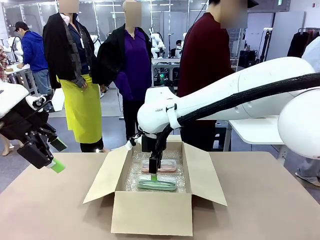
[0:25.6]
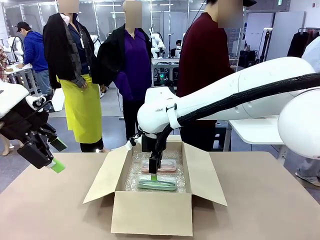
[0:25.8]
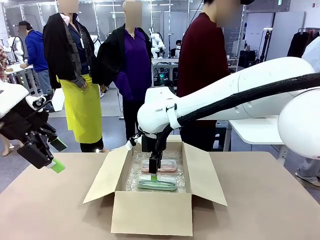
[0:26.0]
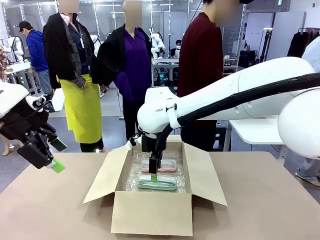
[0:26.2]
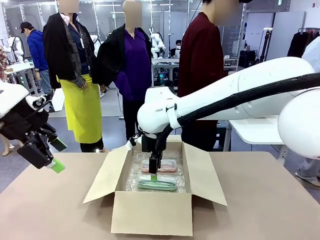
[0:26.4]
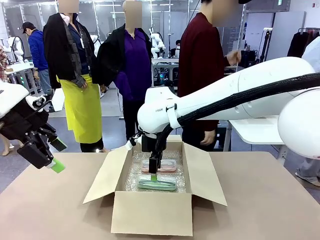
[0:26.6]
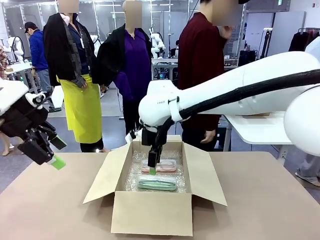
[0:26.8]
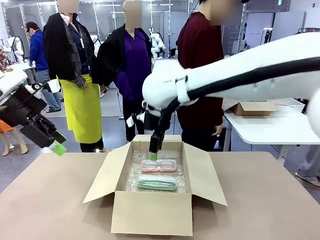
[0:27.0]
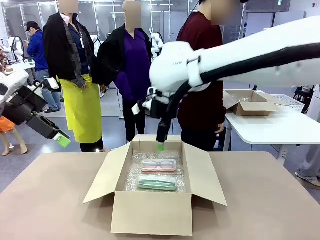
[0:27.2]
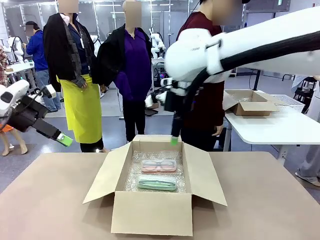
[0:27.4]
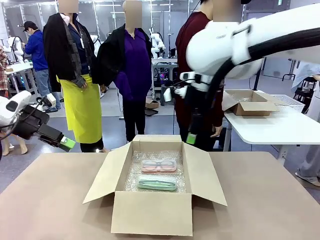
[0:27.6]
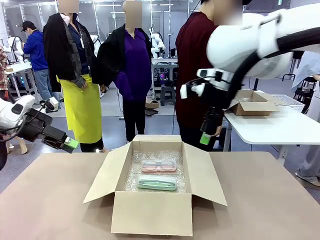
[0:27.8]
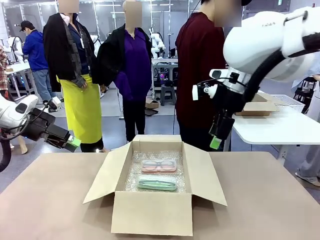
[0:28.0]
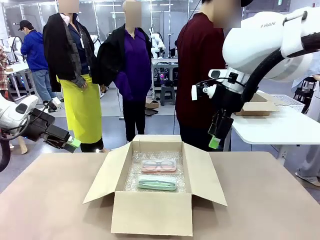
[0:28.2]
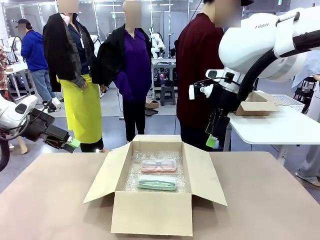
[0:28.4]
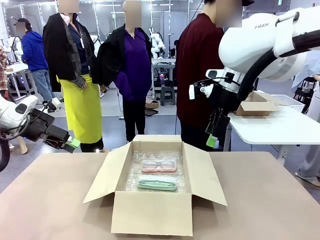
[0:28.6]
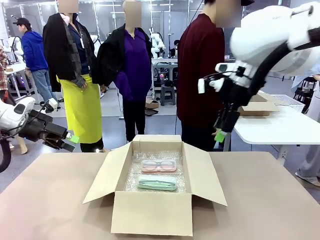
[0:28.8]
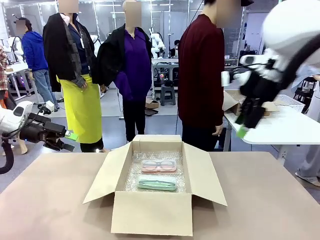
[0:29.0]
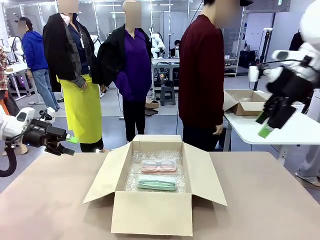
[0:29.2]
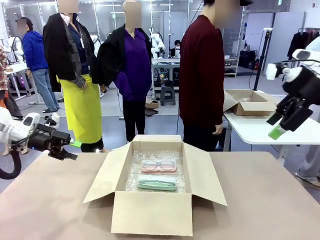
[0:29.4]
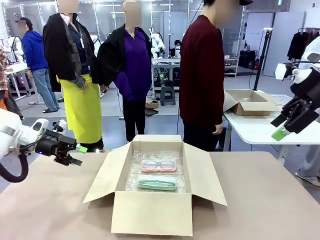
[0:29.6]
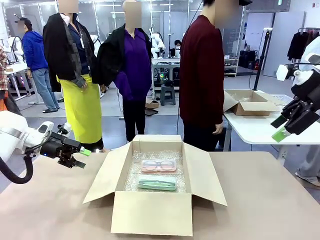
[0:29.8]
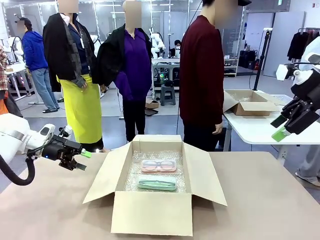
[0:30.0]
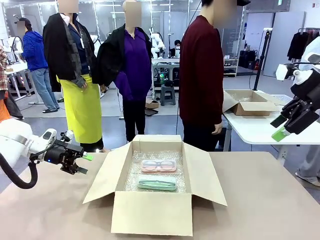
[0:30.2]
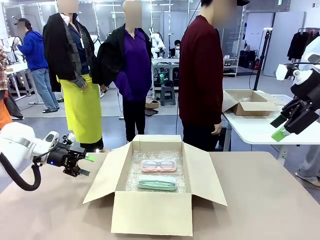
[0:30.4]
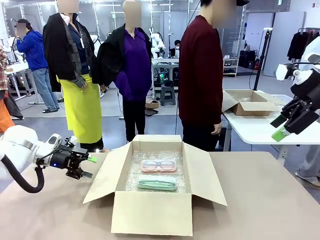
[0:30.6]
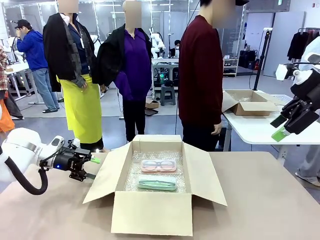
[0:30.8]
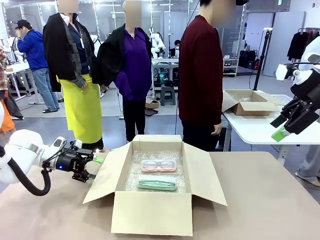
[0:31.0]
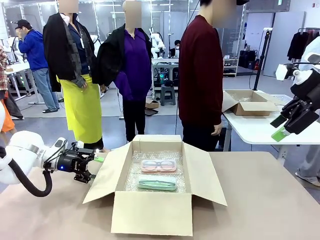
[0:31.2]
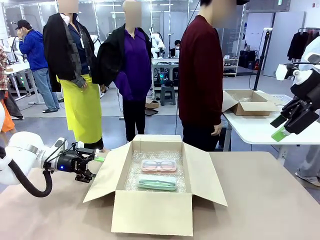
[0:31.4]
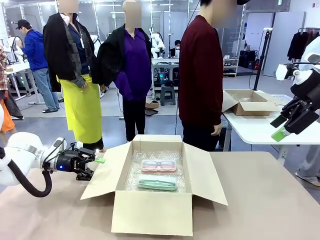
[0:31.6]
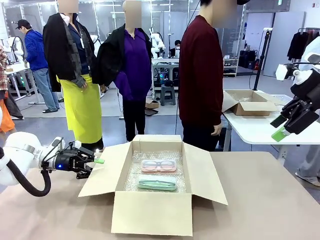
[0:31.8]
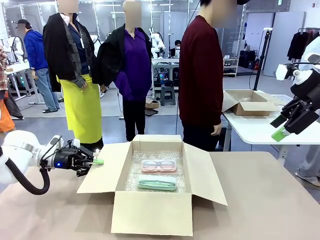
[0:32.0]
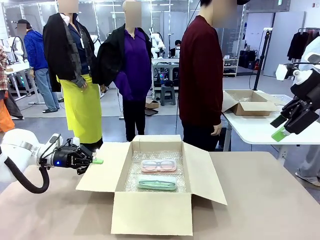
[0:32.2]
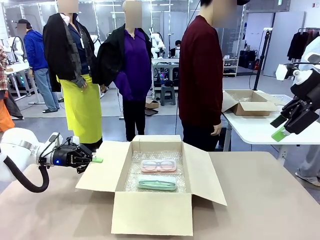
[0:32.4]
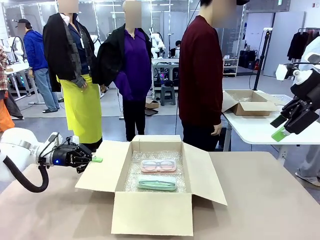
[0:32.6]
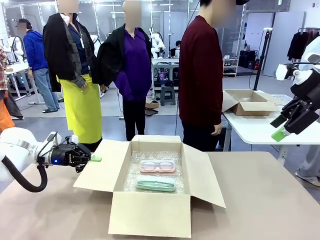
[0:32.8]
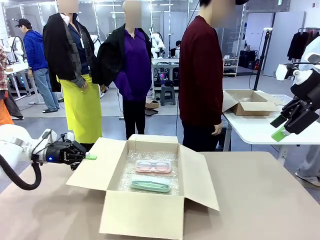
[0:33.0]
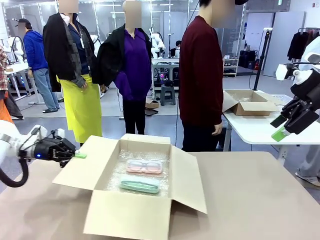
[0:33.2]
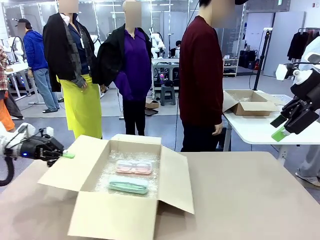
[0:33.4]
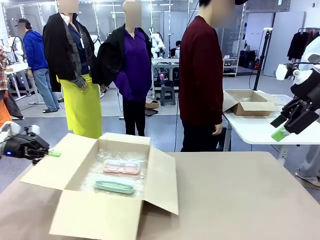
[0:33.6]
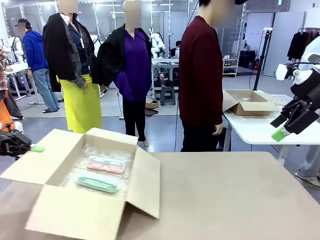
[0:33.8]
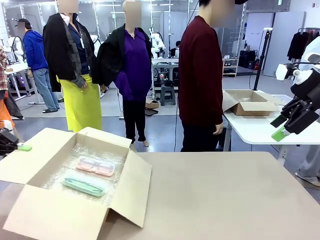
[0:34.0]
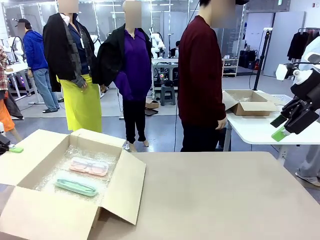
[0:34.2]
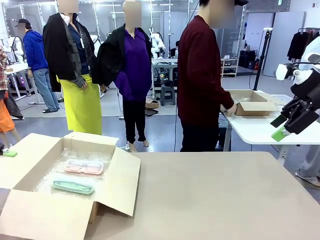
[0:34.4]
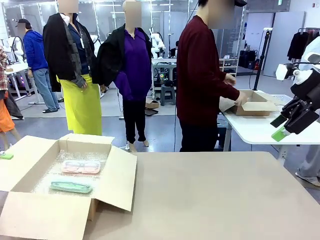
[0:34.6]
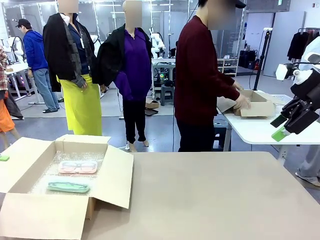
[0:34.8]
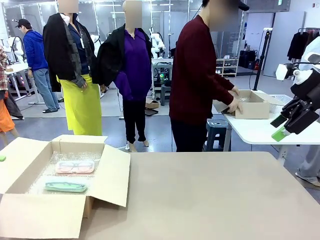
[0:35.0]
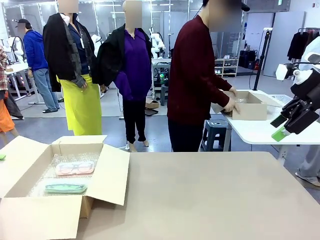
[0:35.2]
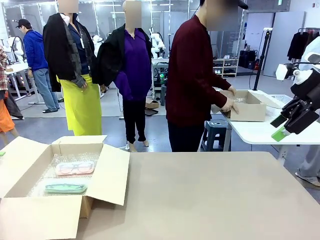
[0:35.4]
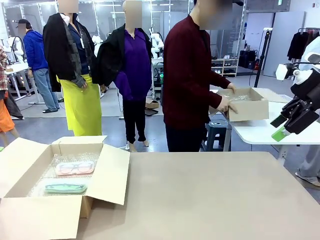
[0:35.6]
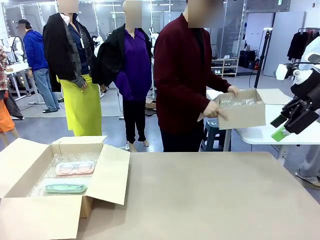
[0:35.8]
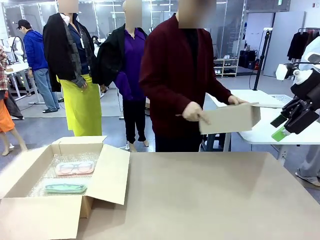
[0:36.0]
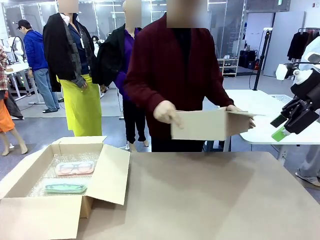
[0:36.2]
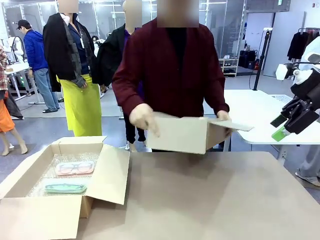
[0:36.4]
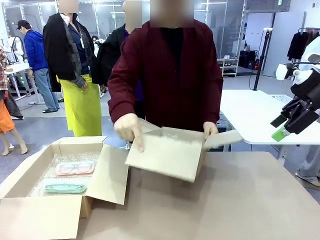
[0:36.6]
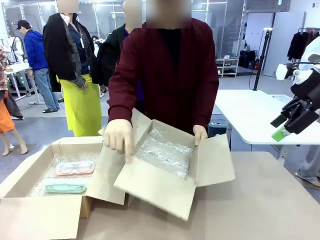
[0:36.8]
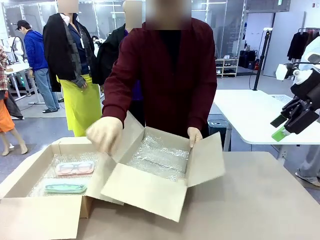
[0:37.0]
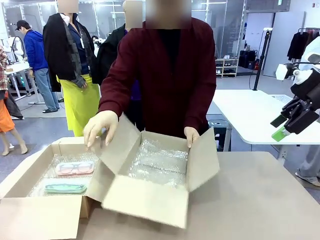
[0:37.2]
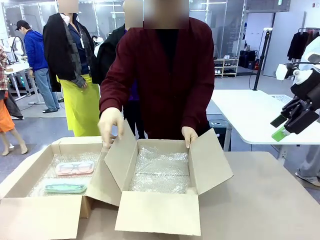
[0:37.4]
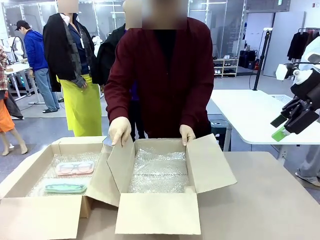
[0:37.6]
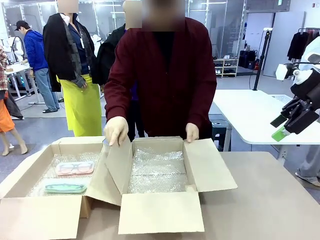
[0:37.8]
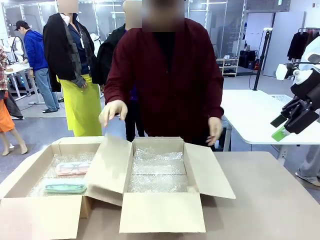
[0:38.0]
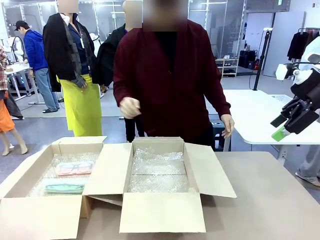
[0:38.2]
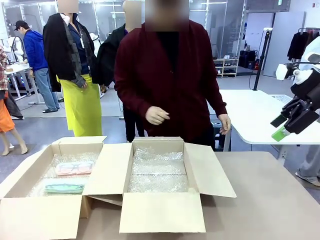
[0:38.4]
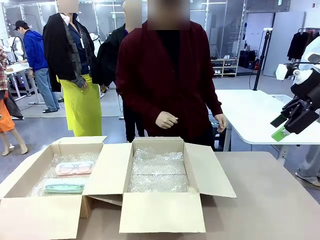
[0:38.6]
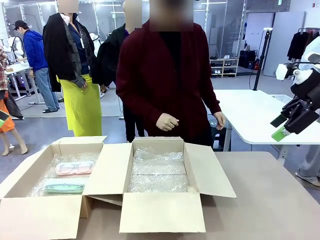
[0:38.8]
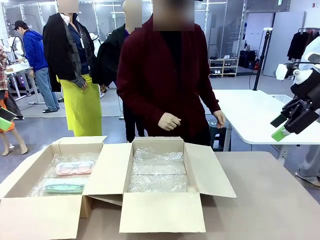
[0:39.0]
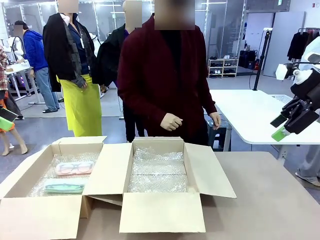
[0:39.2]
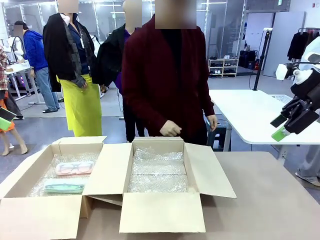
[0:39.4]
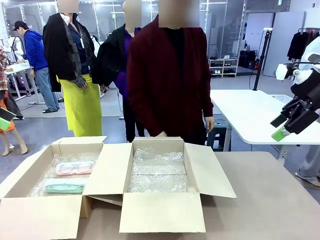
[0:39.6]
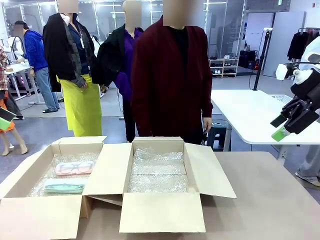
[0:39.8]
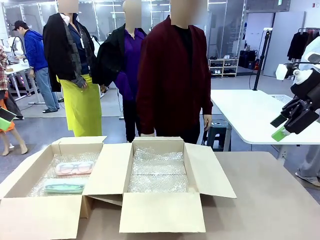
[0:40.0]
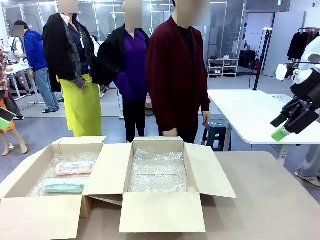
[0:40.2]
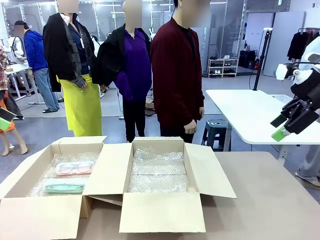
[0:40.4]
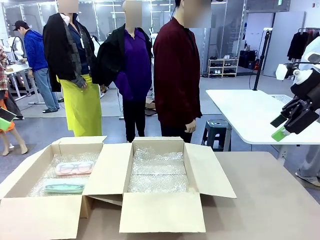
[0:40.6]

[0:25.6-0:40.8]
Task: Pack the glasses set securely to prepare it for shipping.
Robot: Position the Package Box on the left side of the table.
Person: Position the empty Package Box in the middle of the robot's table.
